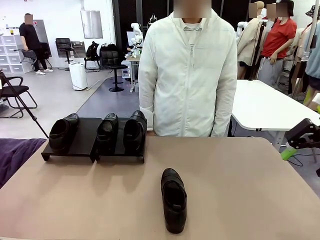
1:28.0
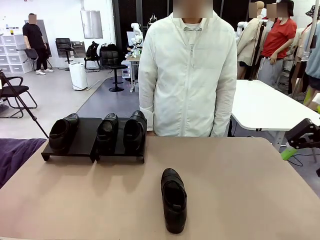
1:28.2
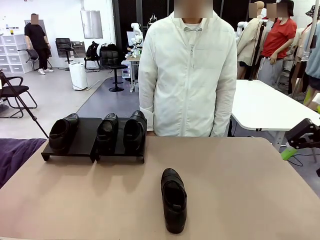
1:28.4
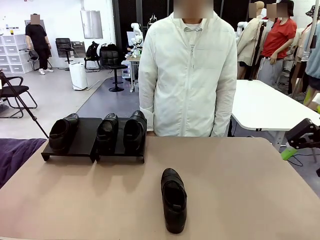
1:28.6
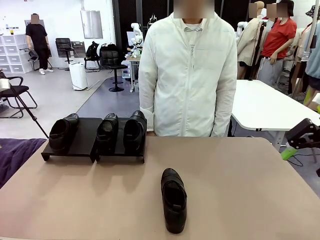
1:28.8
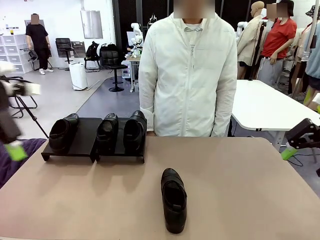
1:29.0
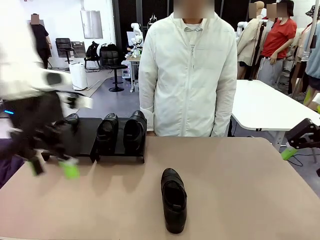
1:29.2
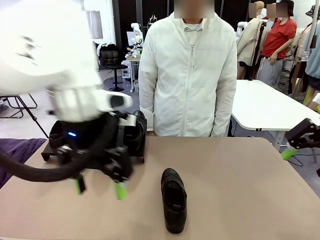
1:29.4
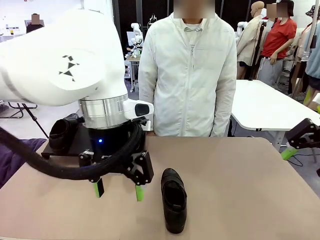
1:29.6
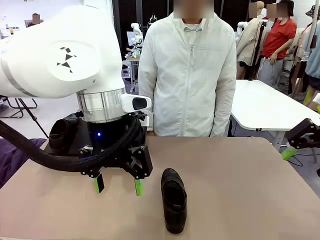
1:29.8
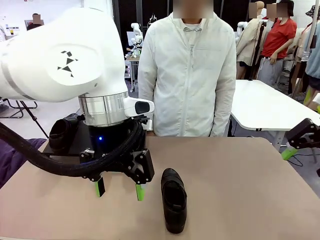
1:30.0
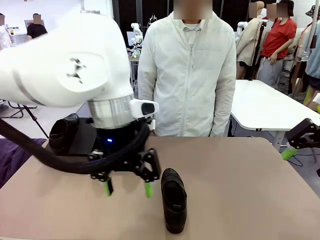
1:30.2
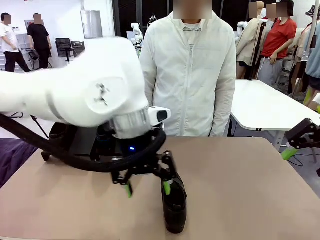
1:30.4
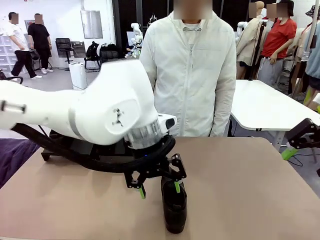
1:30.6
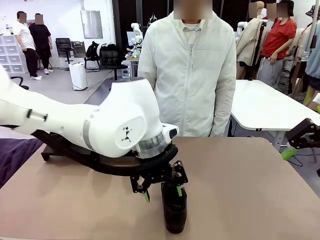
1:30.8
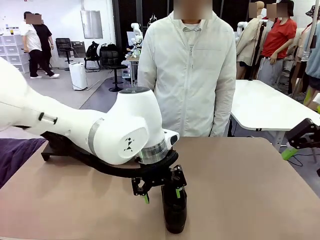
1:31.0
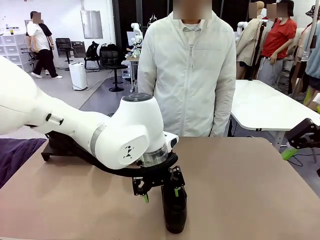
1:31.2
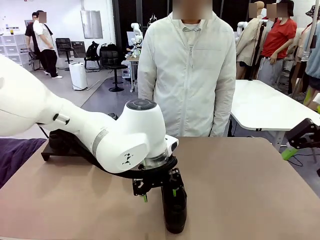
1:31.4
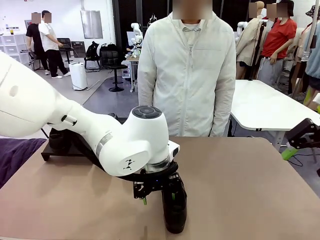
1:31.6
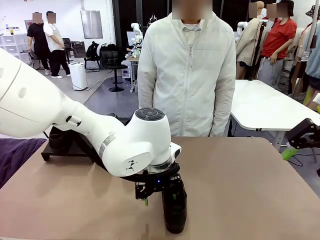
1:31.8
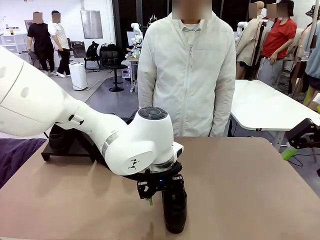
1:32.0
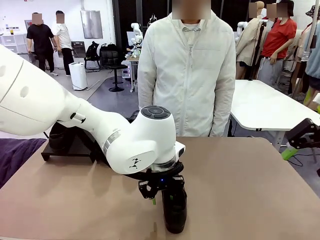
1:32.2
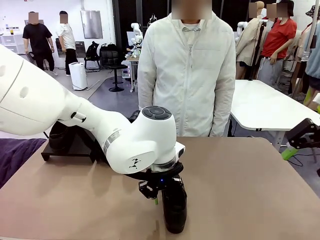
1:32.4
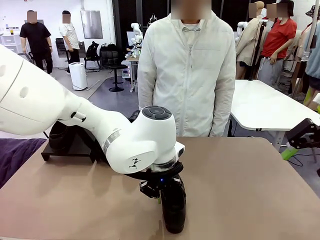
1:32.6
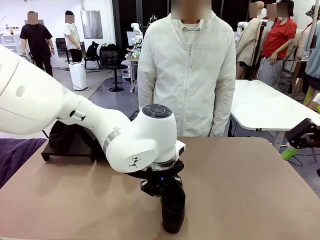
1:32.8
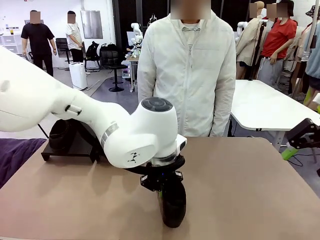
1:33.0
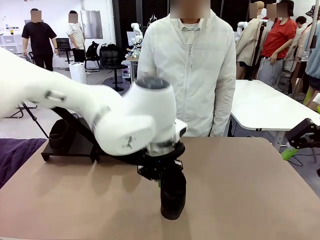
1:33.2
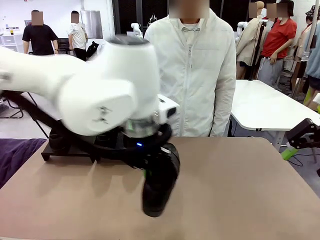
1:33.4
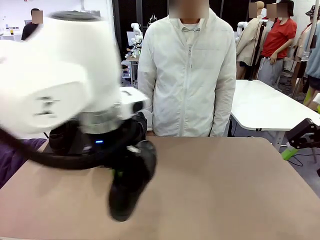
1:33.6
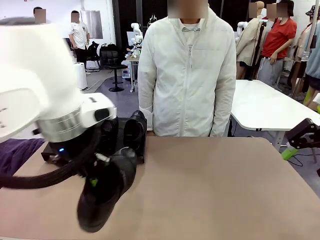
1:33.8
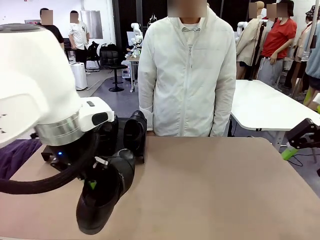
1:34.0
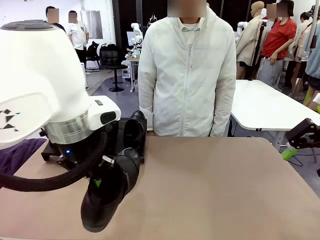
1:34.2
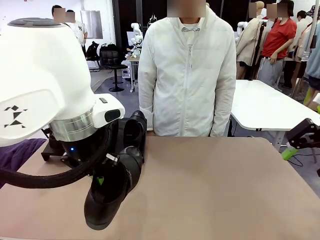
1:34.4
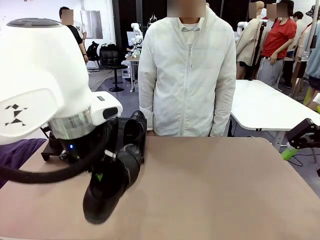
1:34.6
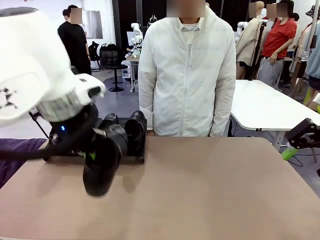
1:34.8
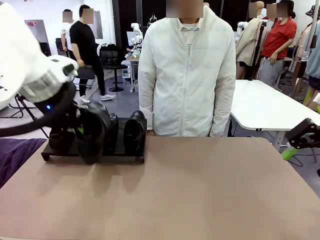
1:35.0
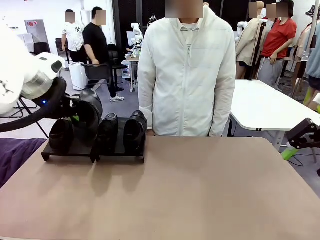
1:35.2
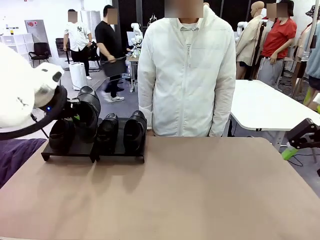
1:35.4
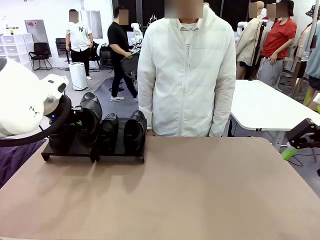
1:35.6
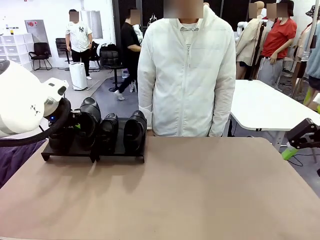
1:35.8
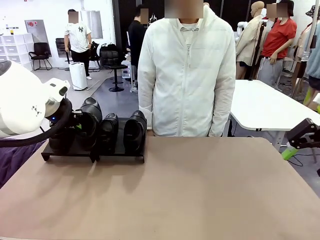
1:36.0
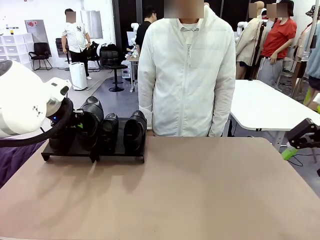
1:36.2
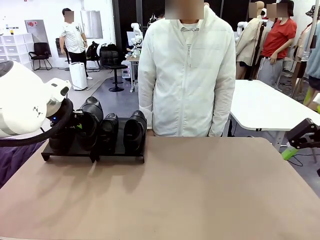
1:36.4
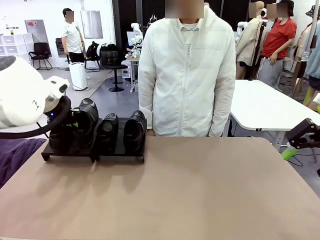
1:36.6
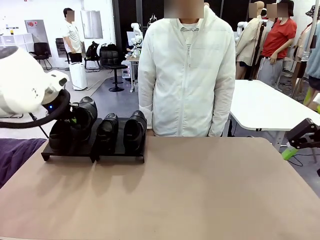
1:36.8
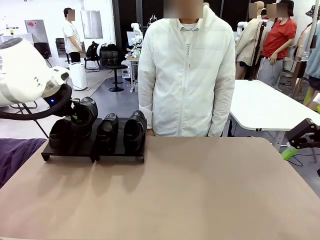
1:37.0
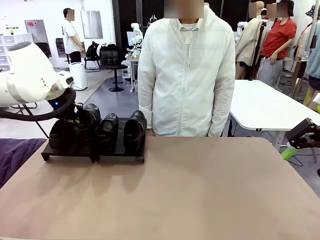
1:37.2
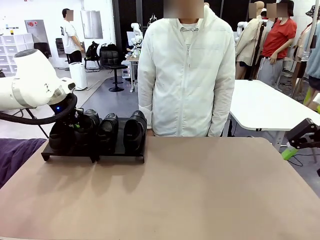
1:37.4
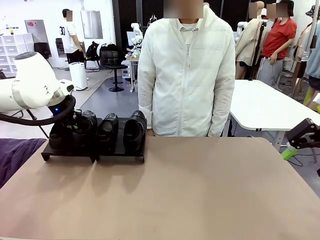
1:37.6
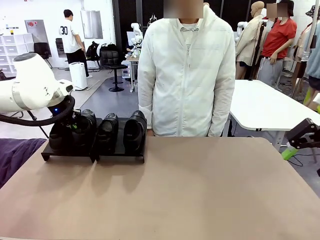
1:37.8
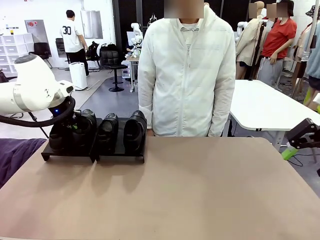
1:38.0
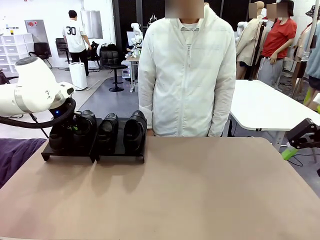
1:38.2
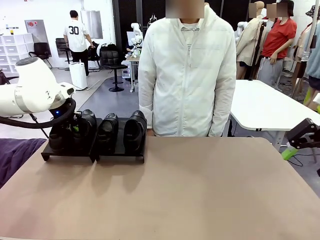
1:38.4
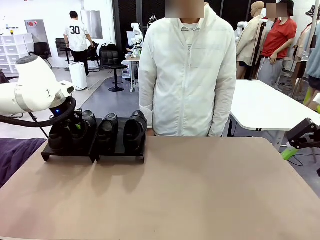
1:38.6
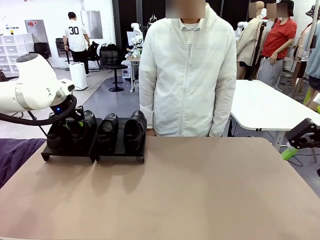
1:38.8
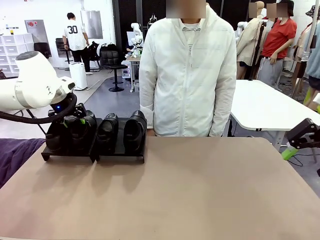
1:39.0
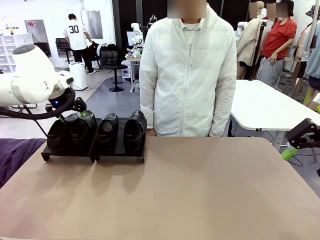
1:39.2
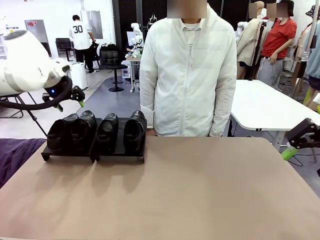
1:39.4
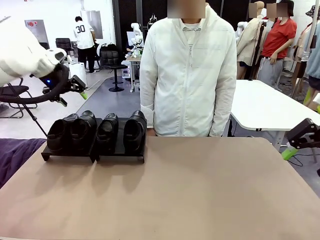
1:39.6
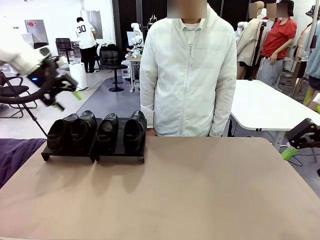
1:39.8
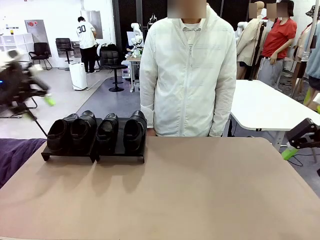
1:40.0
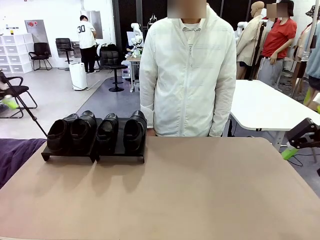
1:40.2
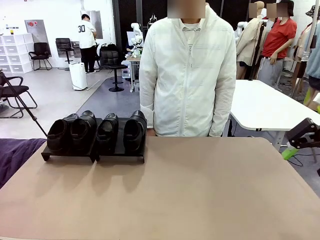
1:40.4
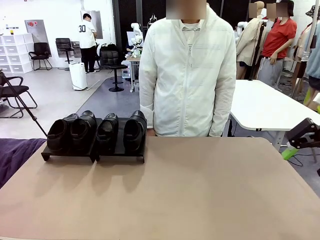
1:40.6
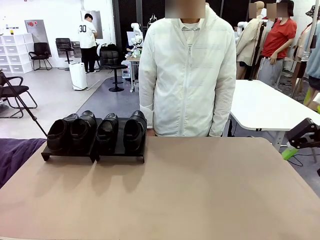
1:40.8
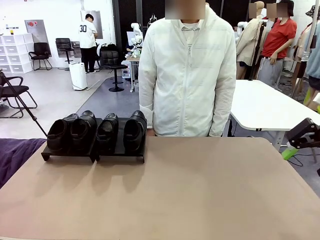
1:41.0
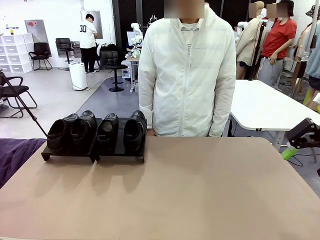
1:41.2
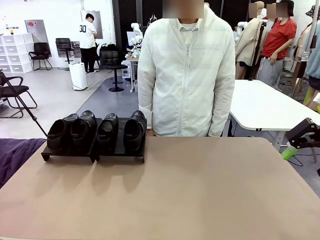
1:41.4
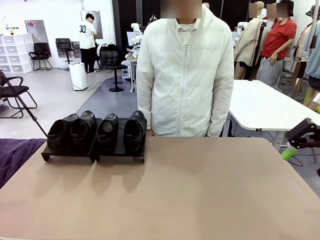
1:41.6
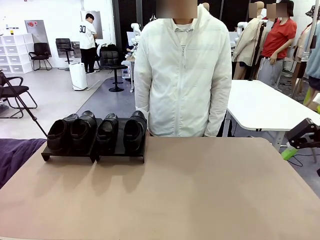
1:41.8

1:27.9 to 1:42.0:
Task: Organize the shoes by placing them on the stand.
Robot: Place the Shoe from the middle of the table onto the Shoes Stand.

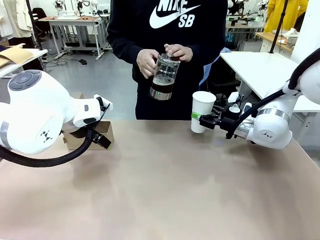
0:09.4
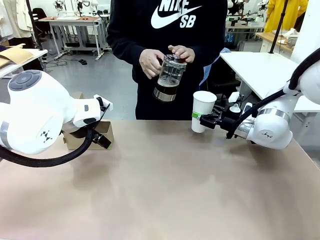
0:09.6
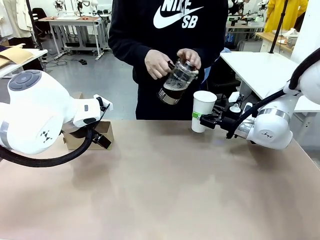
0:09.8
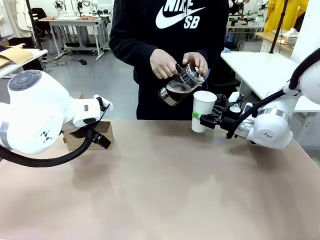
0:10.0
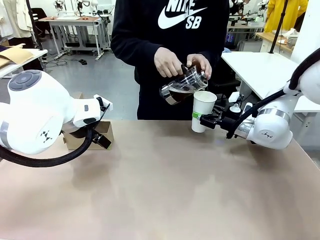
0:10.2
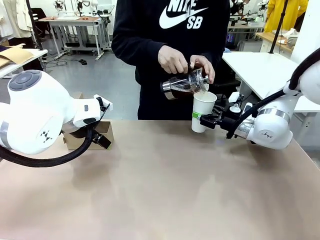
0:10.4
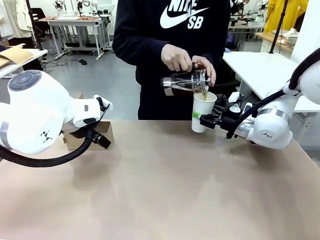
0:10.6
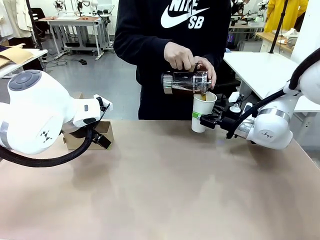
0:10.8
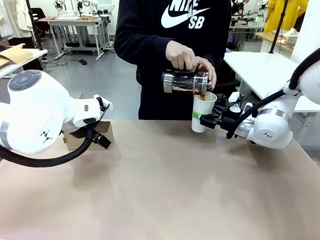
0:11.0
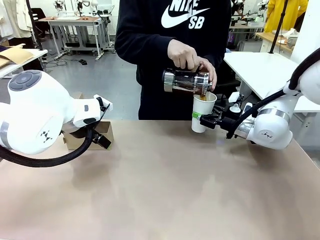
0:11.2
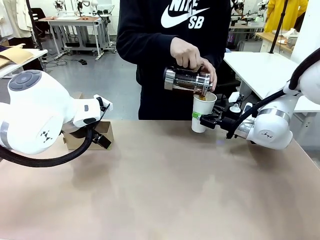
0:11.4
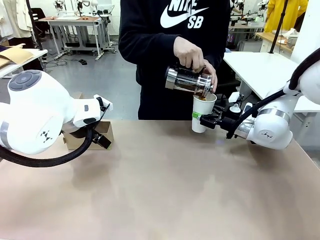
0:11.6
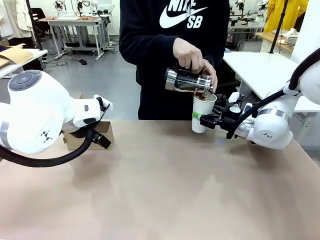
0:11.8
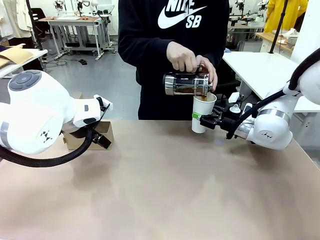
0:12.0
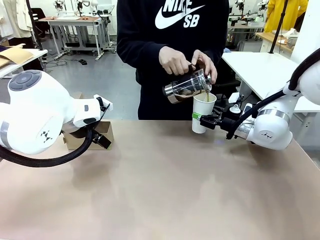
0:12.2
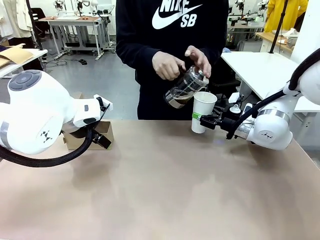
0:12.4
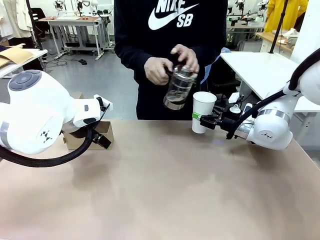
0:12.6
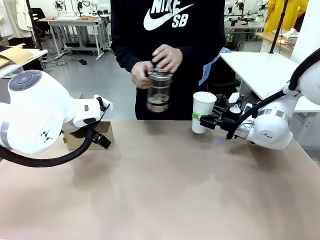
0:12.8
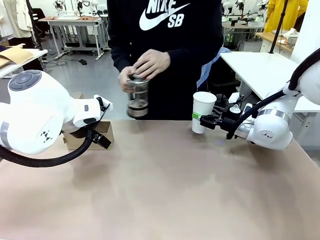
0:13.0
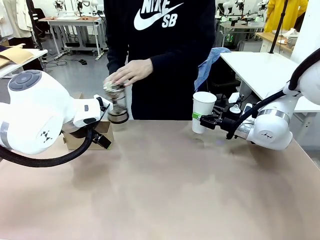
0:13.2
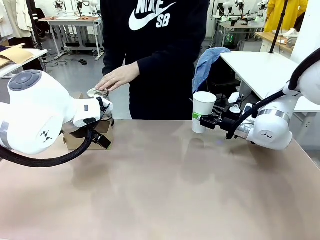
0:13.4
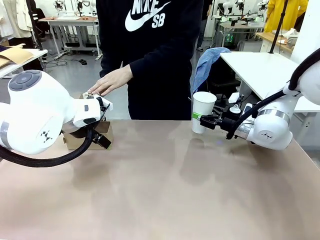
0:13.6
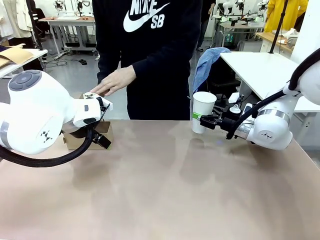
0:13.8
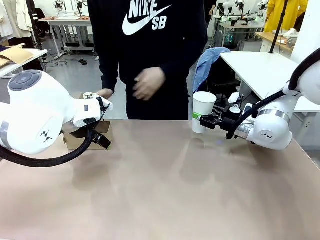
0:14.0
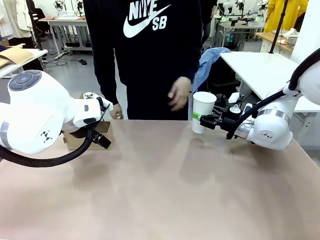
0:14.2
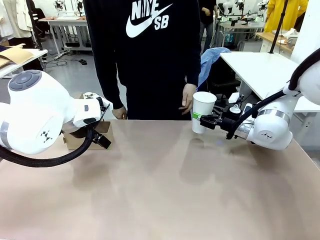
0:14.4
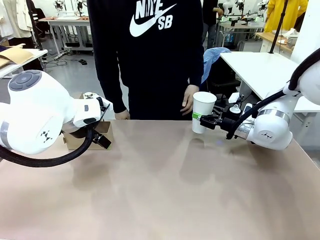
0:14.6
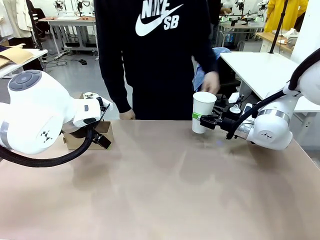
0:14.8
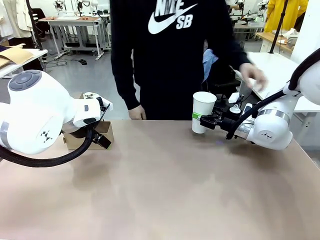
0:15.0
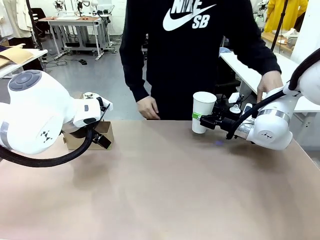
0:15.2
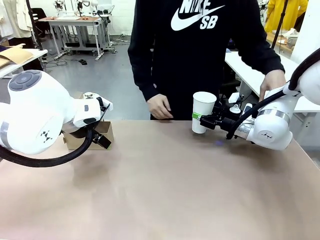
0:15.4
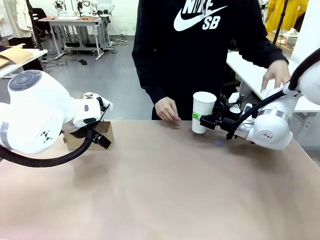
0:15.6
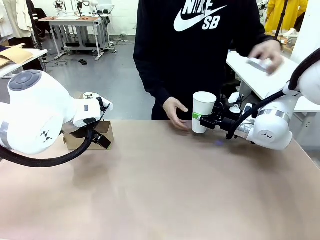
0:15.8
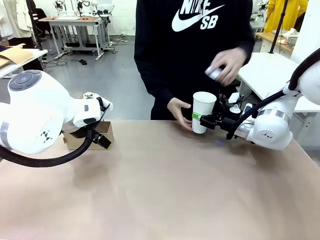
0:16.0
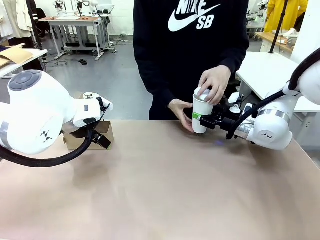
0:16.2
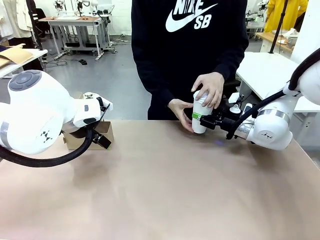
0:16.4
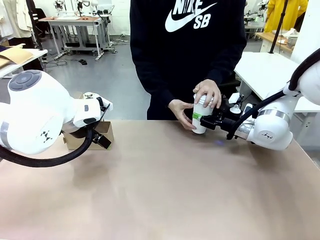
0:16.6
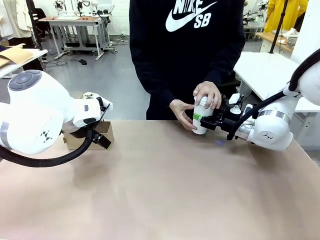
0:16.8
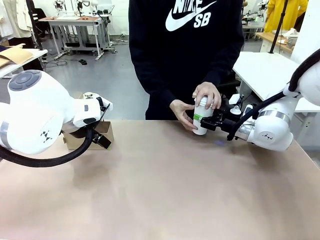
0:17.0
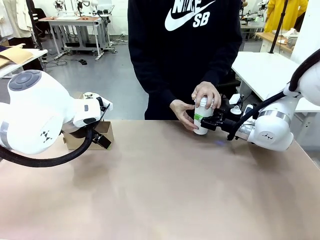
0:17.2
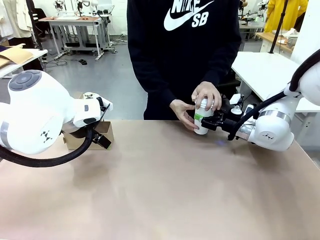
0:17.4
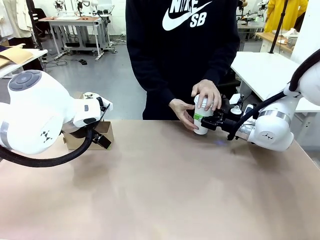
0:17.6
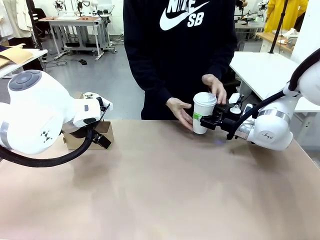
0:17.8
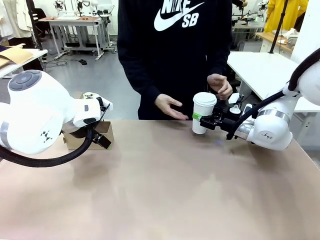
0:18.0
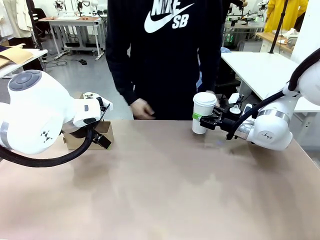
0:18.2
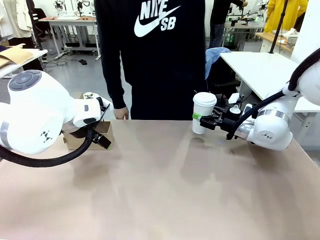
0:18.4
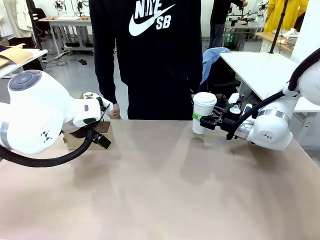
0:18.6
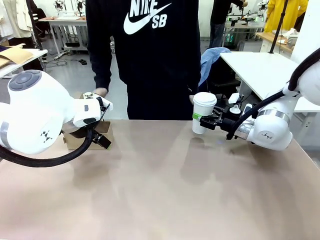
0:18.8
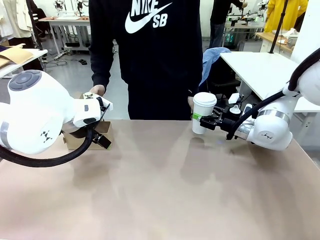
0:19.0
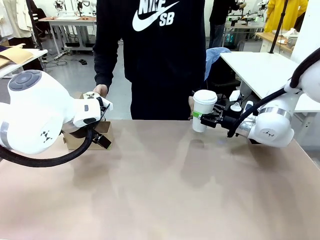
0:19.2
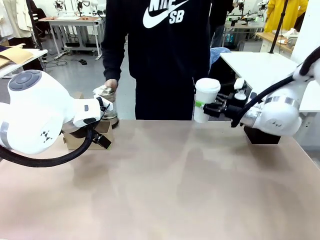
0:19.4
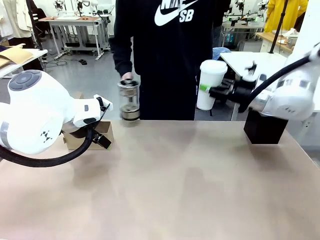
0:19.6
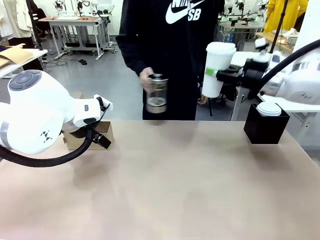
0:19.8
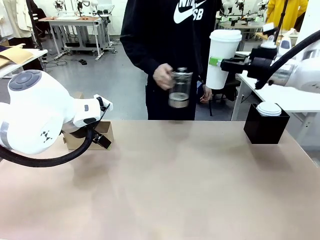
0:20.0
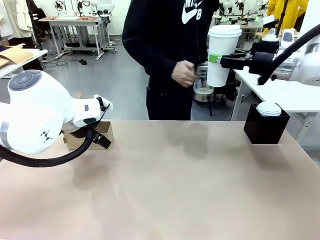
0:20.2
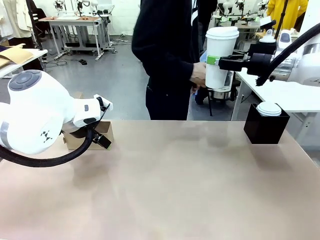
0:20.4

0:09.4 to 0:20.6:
Task: Pour a drink into a cup and package it in a carrier.
Robot: When a person places the Paper Cup Lid on the 600 ml Paper Cup , lift the 600 ml Paper Cup.
Person: Pour the drink from the Filter Brewing into the 600 ml Paper Cup. Place a Paper Cup Lid on the 600 ml Paper Cup.
